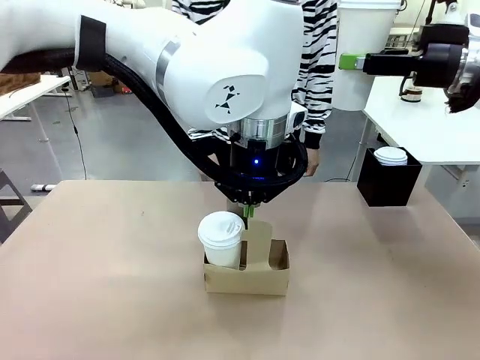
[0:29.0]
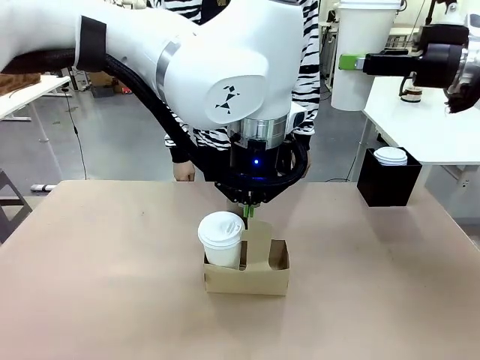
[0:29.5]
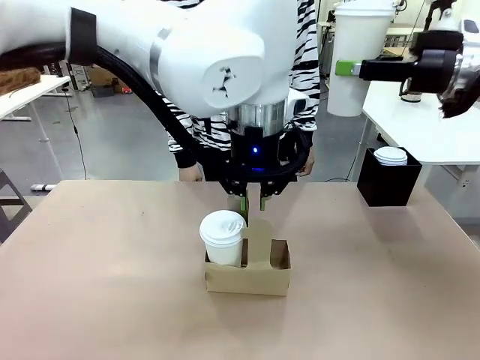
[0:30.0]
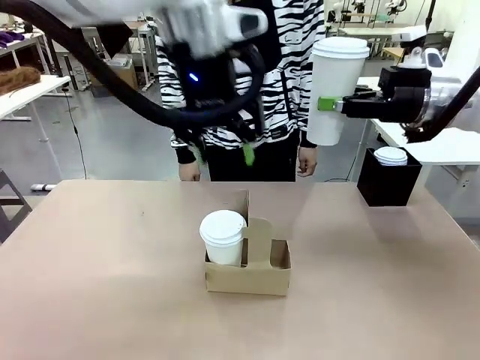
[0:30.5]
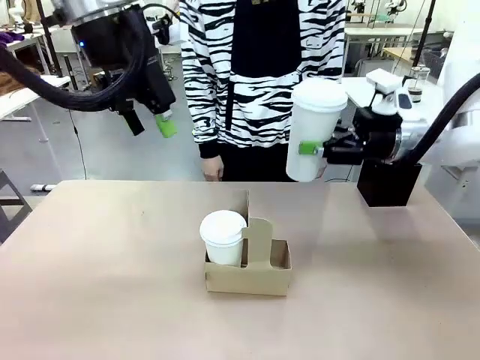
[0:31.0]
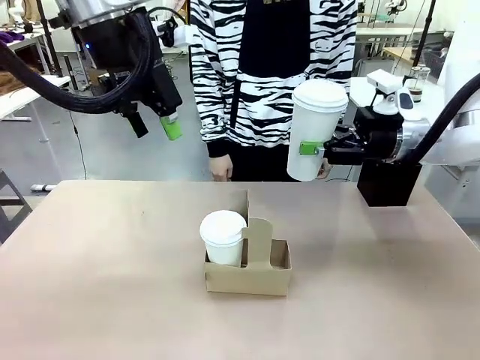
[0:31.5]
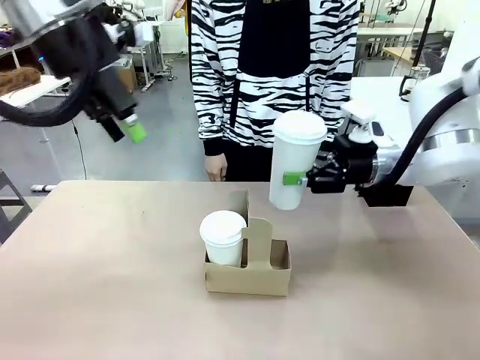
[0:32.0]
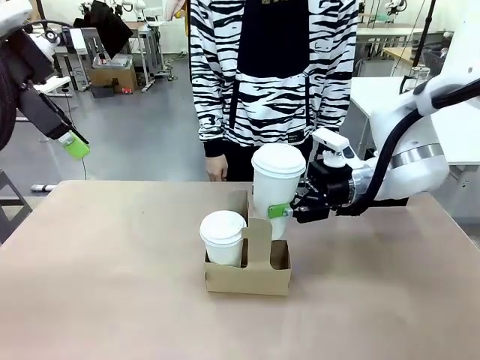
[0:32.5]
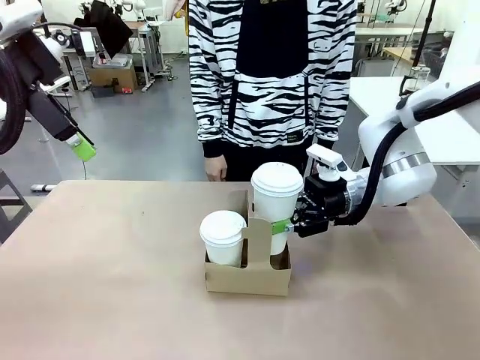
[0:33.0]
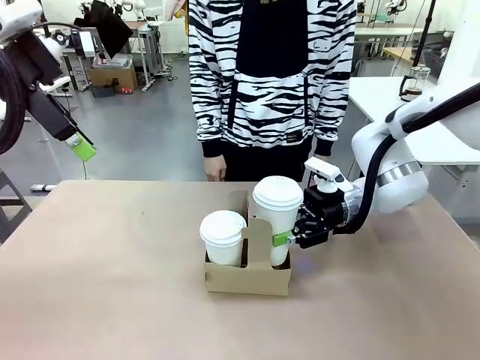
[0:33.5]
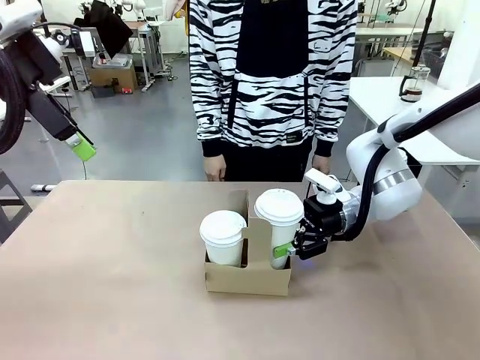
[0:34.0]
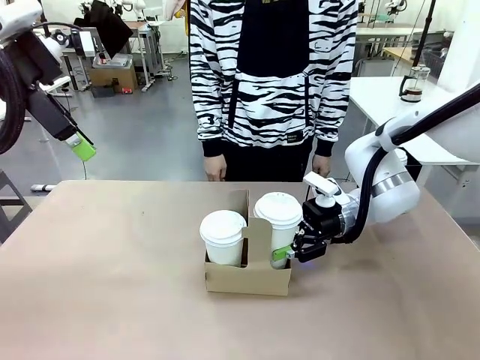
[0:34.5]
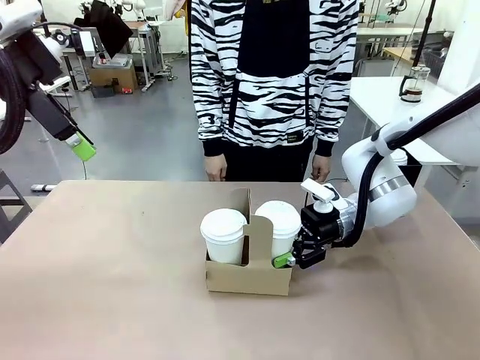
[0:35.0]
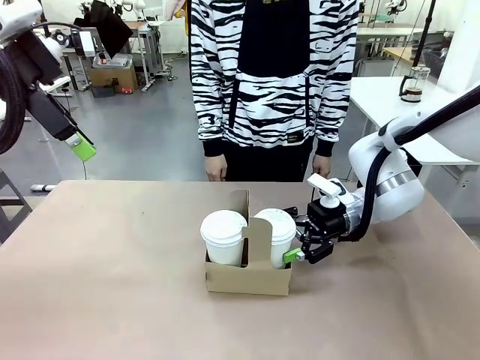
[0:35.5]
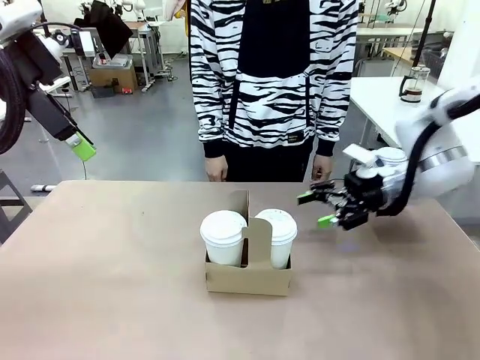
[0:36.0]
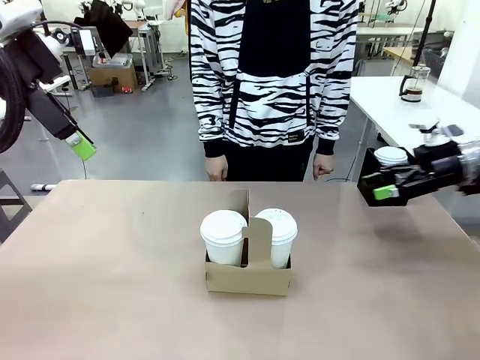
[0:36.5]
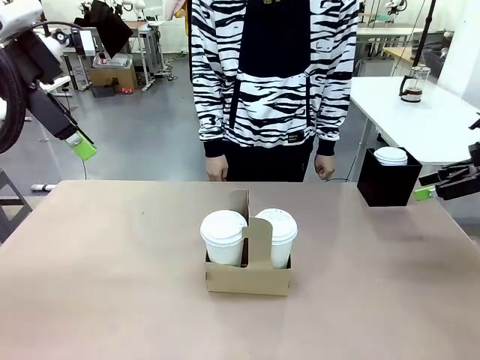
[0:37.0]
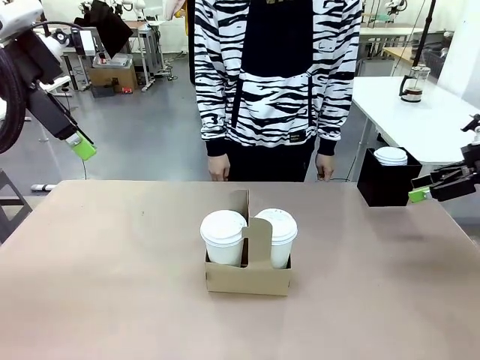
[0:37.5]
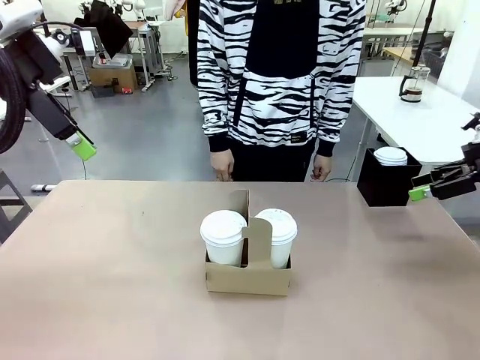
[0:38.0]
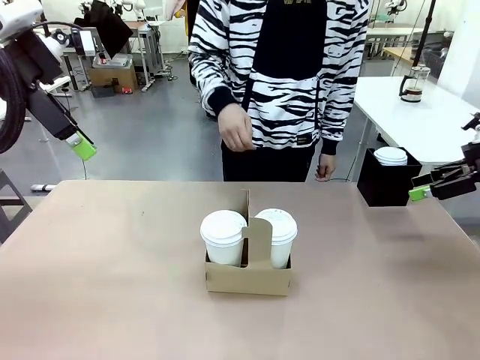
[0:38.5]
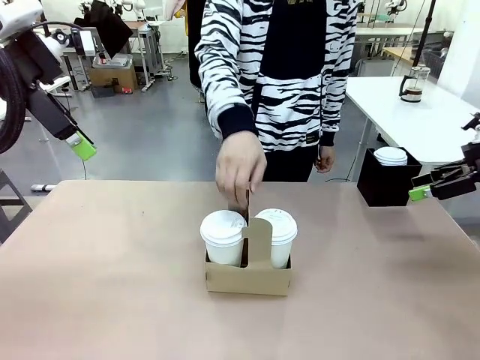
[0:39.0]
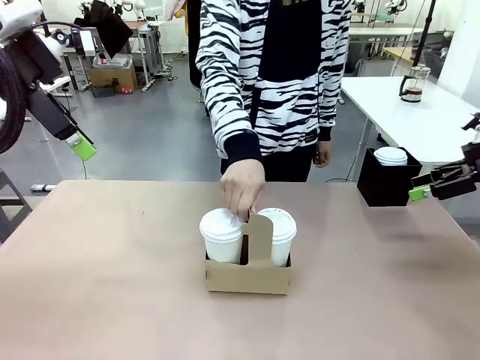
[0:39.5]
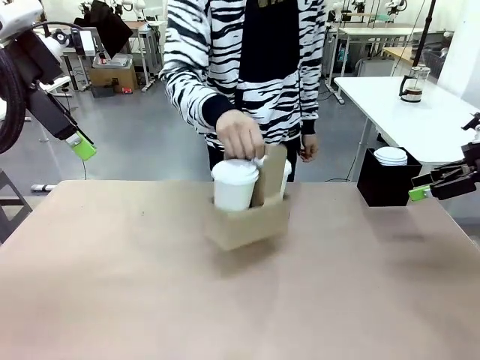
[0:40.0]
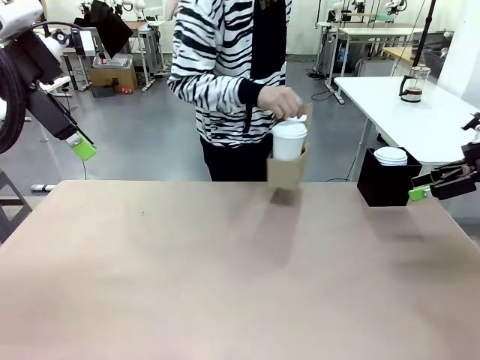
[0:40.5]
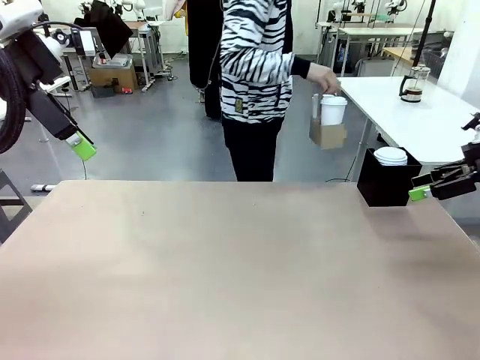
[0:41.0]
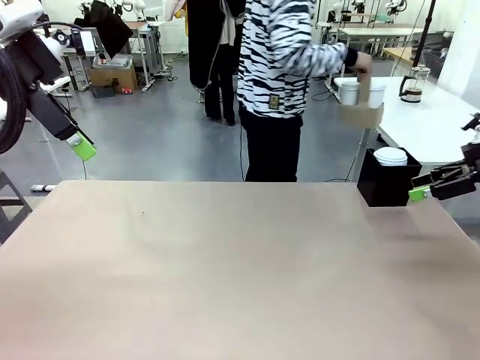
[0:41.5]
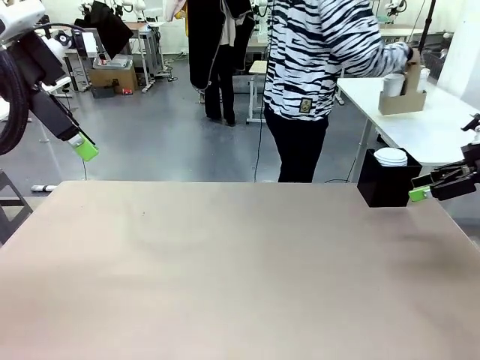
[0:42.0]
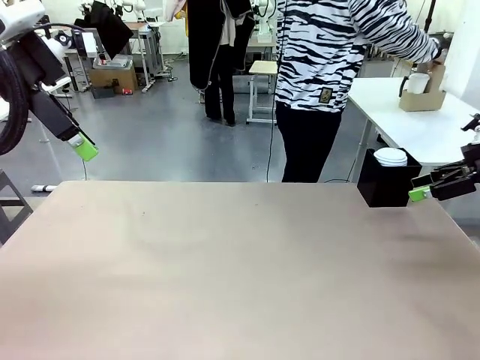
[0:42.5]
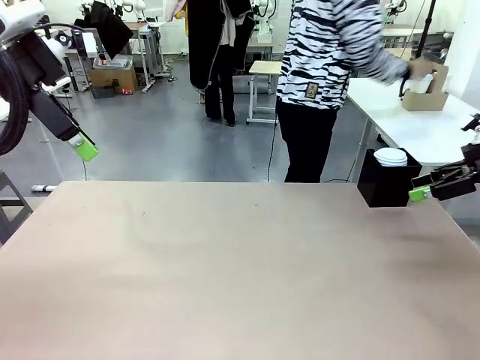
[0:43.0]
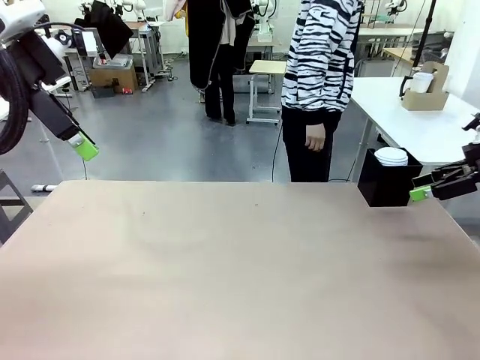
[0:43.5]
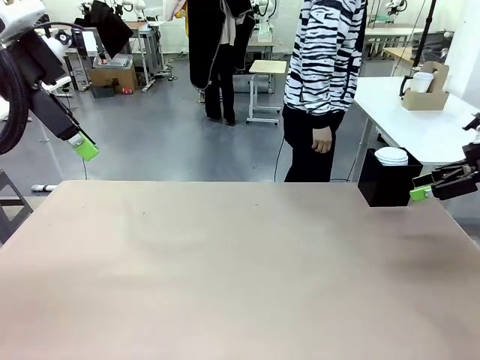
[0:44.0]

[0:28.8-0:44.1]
Task: Pour a drink into a cup and package it in a carrier.
Robot: Insert the held 600 ml Paper Cup into the Cup Carrier.
Person: Place the Cup Carrier to the middle of Human table.

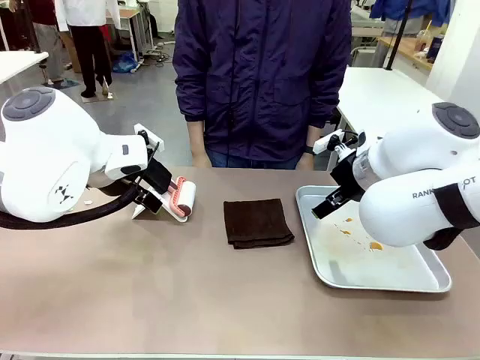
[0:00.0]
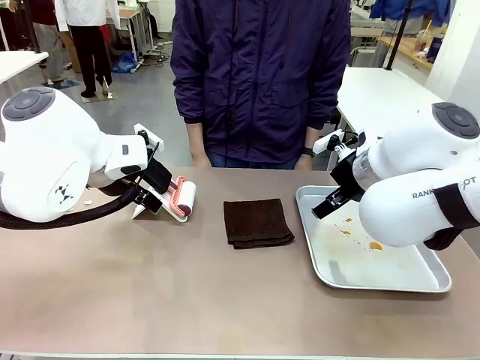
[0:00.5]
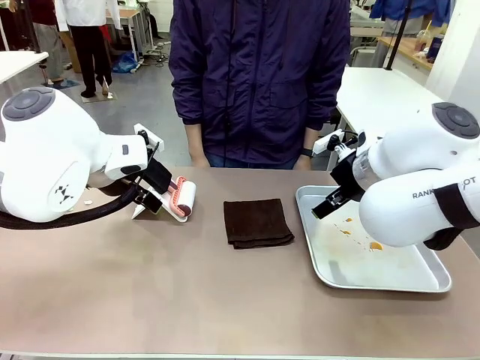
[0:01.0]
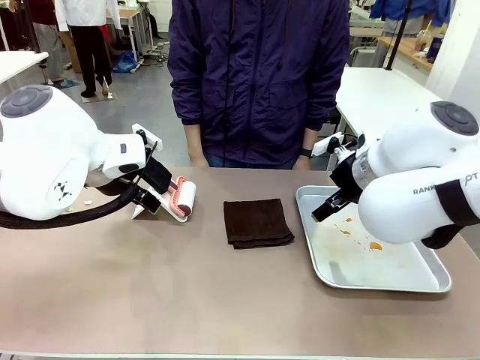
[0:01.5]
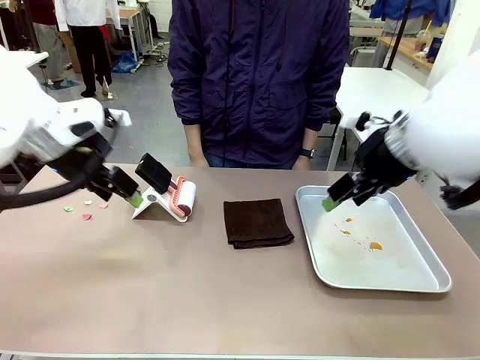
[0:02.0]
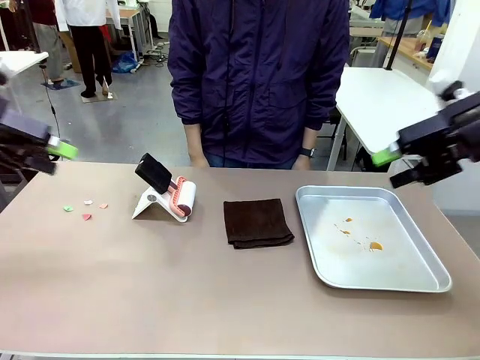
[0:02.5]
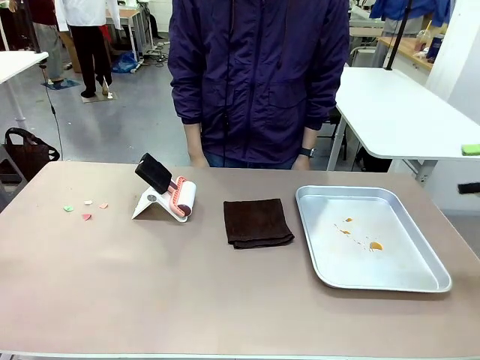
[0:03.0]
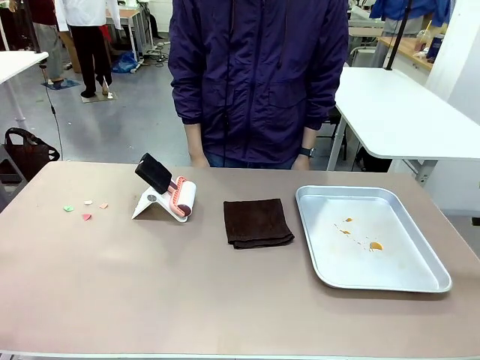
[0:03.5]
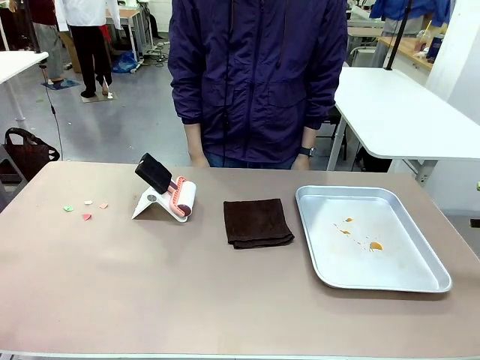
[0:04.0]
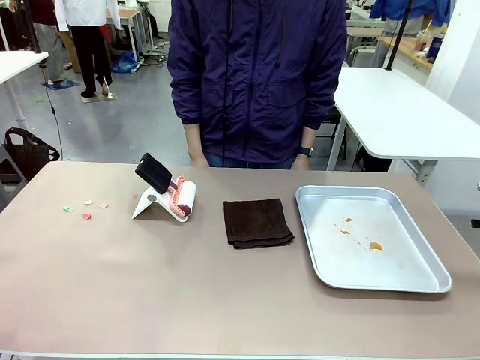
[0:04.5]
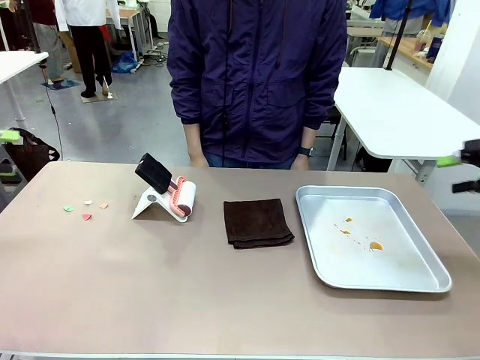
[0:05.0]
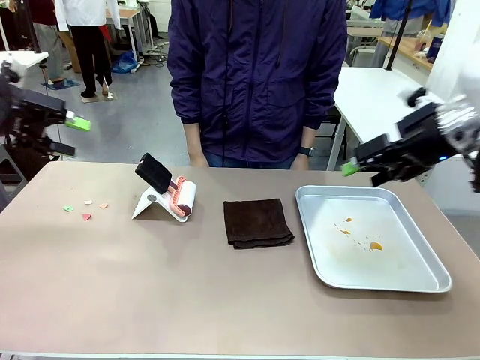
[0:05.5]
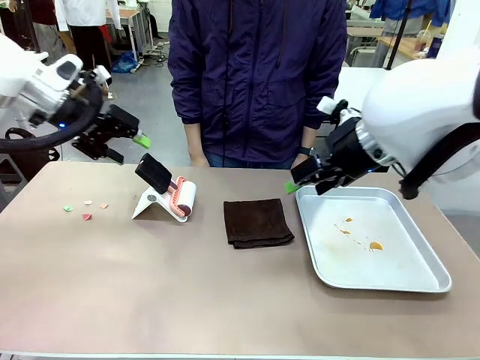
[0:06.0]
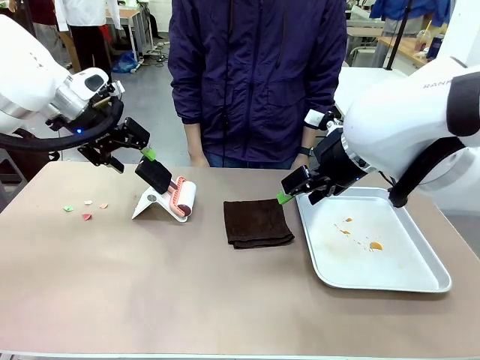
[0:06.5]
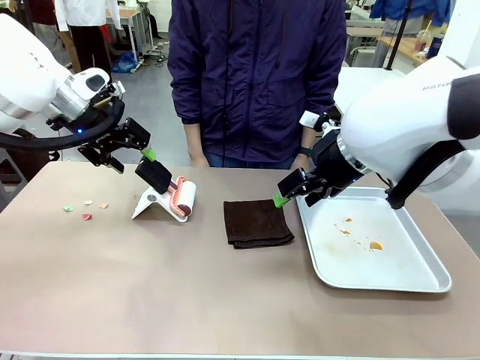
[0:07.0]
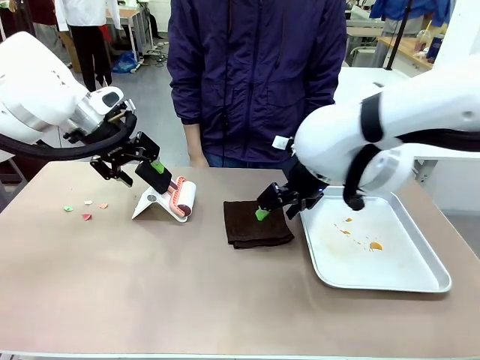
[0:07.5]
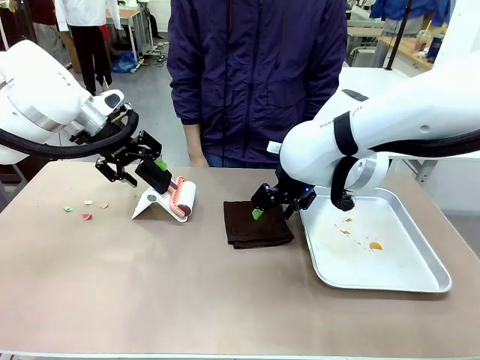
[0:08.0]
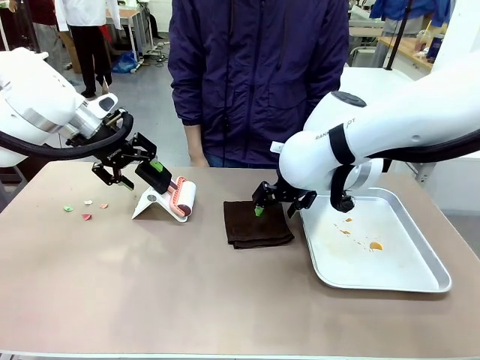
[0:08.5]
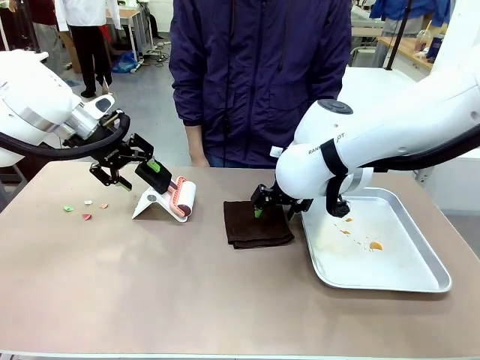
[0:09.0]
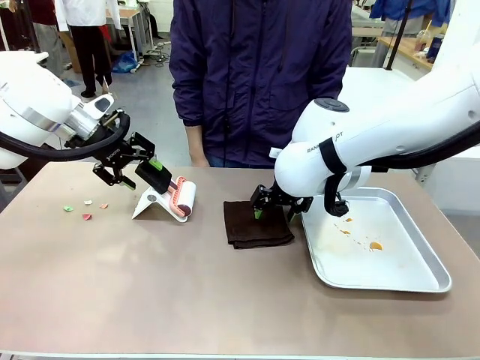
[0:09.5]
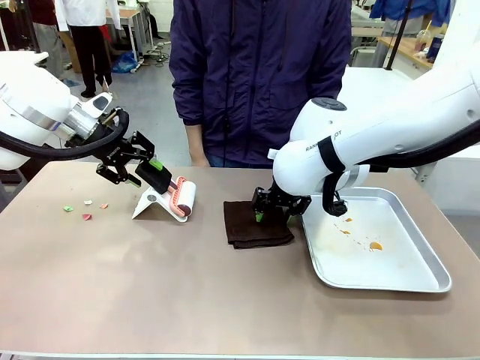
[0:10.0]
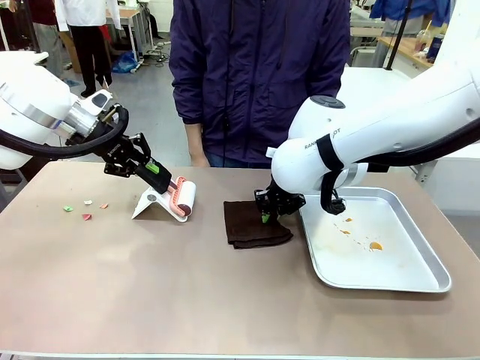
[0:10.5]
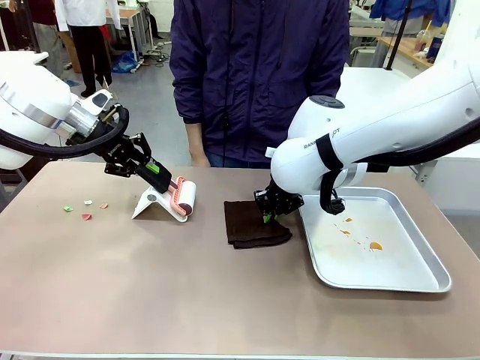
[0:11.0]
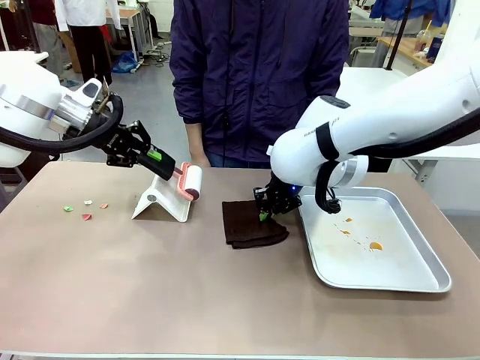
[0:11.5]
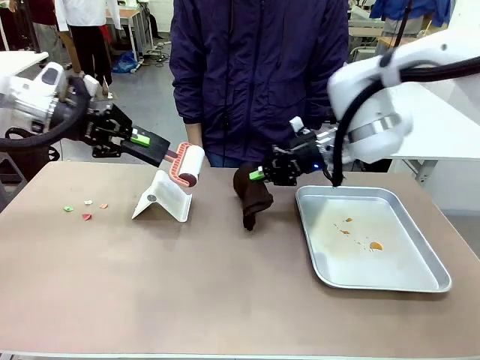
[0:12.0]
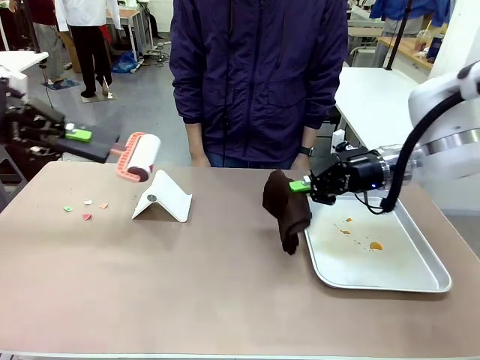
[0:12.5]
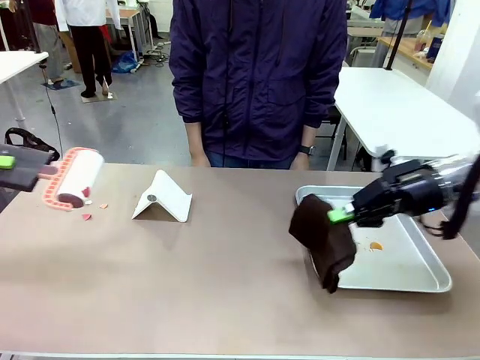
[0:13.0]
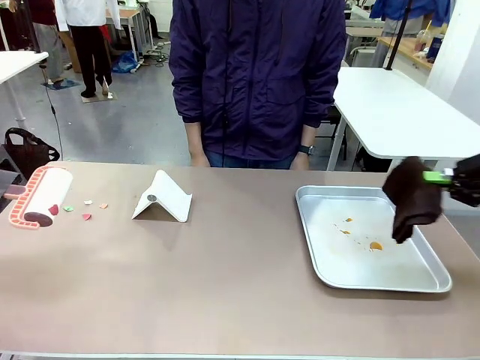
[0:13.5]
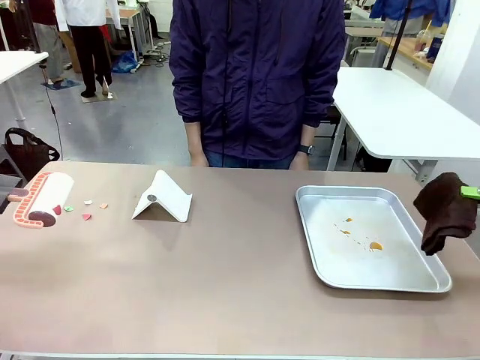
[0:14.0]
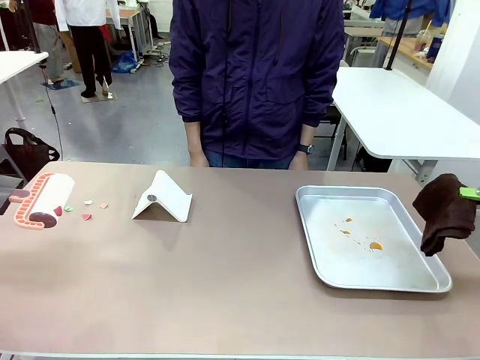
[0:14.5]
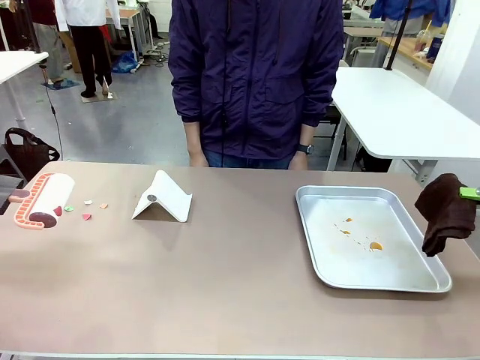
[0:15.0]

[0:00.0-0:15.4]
Task: Clean the surface of the table.
Robot: Hold the Lint Roller with your left hand and the towel with your right hand.
